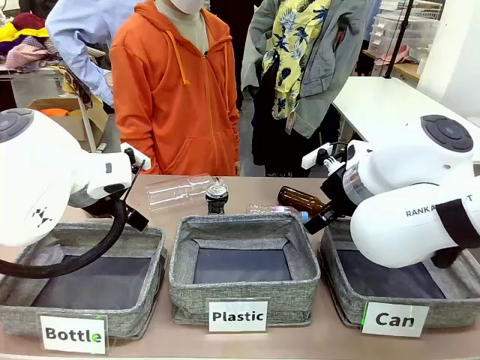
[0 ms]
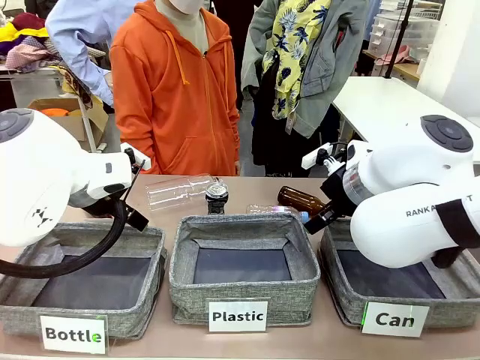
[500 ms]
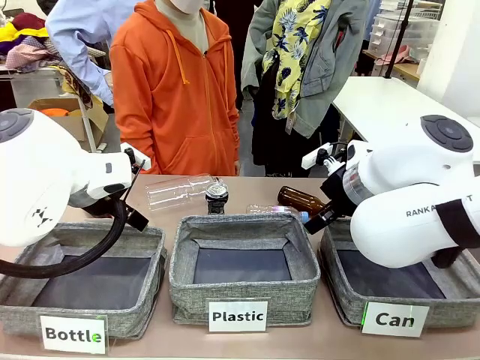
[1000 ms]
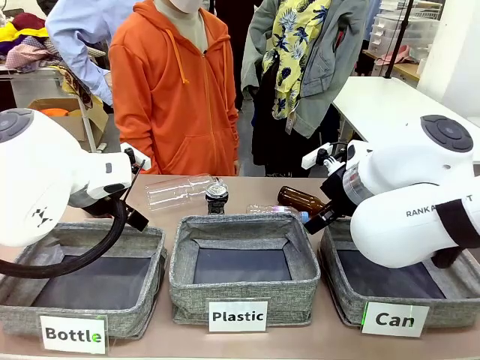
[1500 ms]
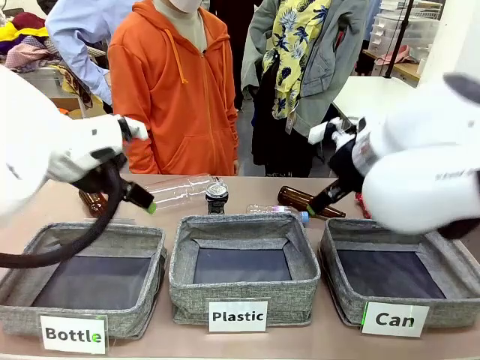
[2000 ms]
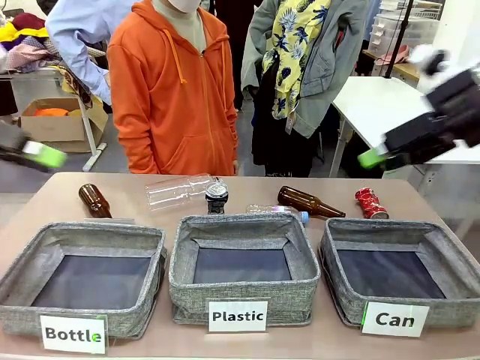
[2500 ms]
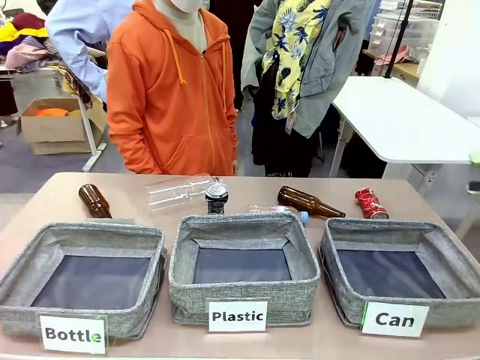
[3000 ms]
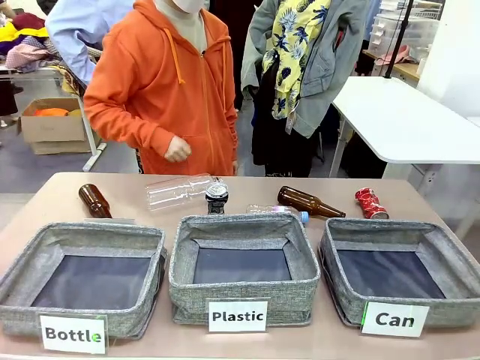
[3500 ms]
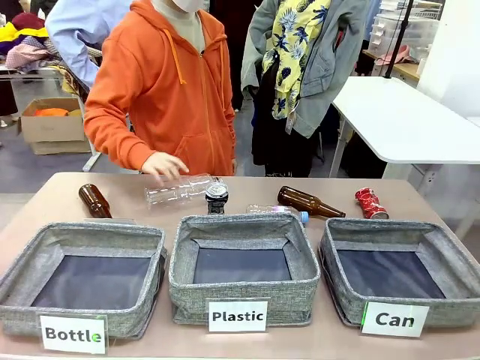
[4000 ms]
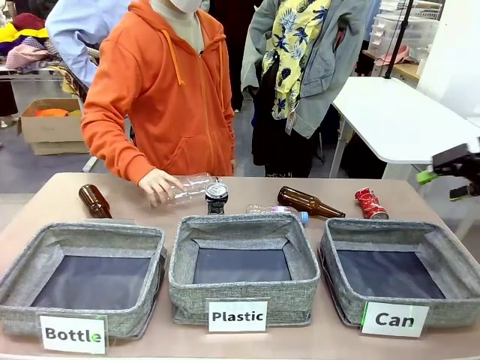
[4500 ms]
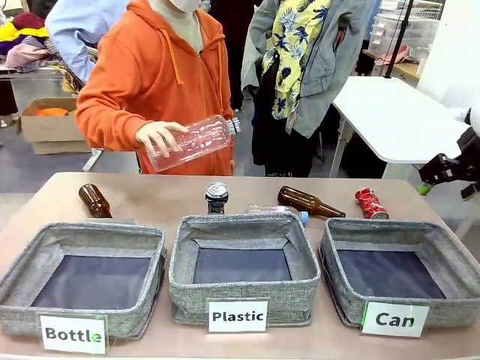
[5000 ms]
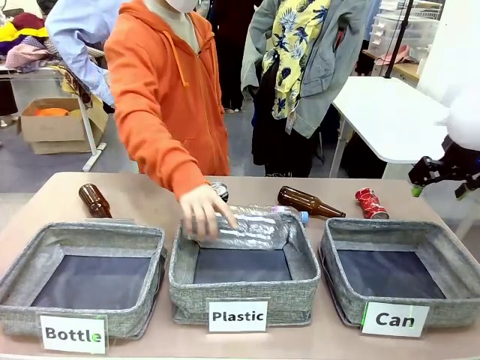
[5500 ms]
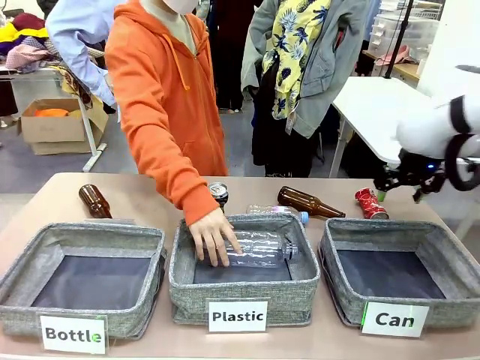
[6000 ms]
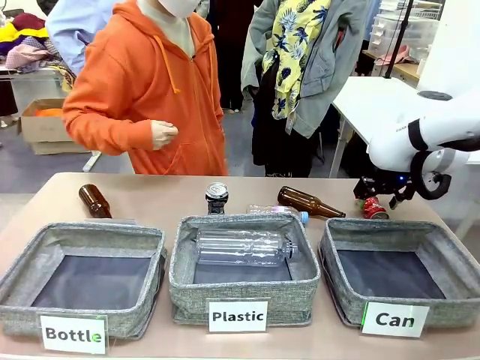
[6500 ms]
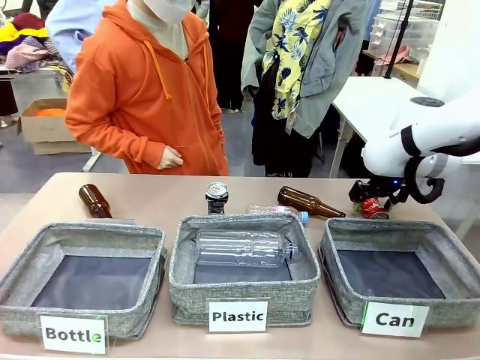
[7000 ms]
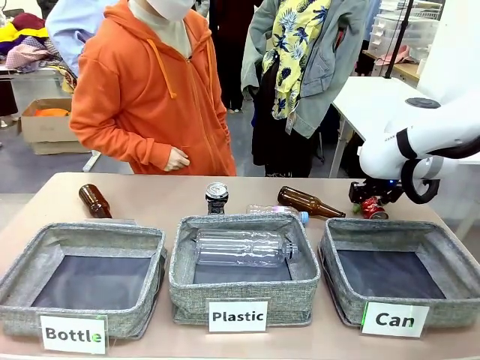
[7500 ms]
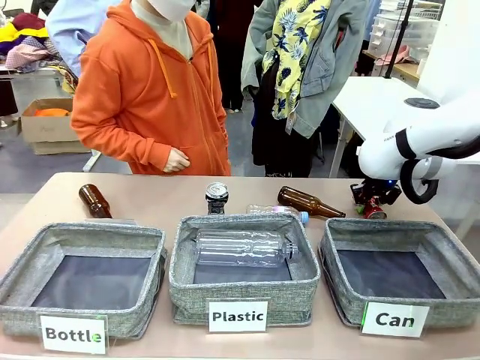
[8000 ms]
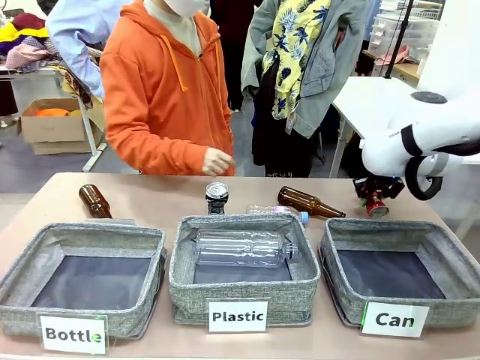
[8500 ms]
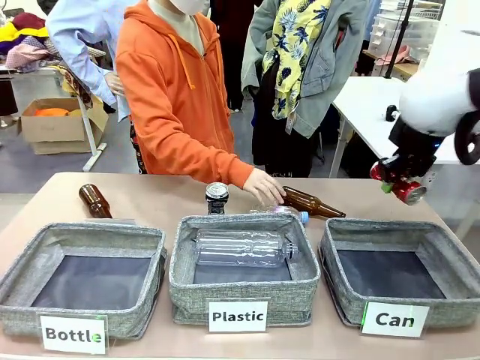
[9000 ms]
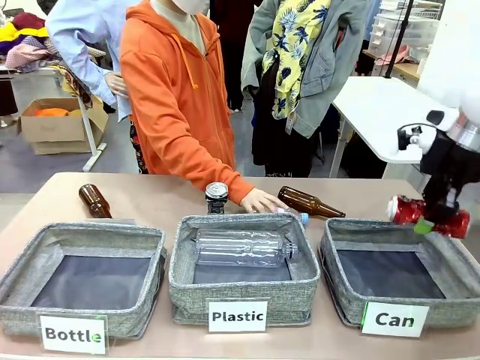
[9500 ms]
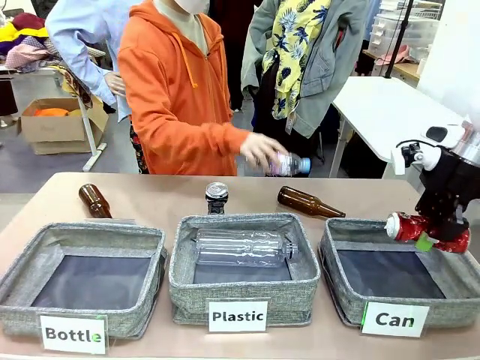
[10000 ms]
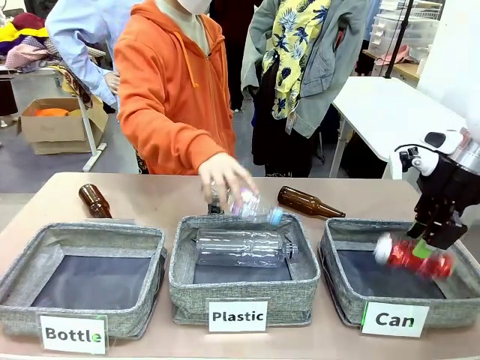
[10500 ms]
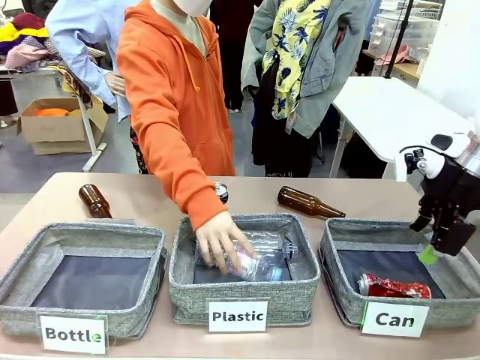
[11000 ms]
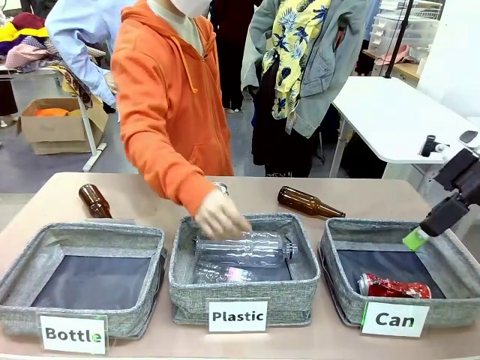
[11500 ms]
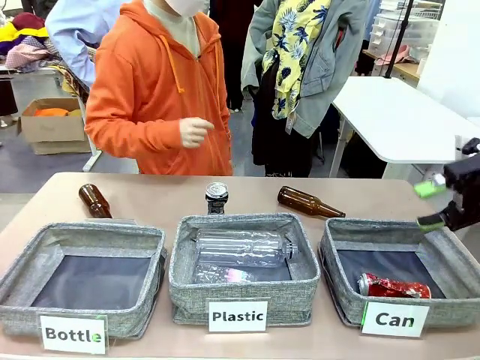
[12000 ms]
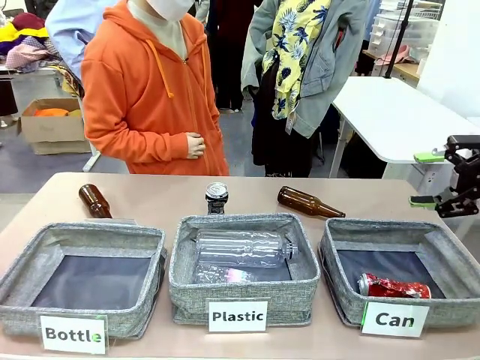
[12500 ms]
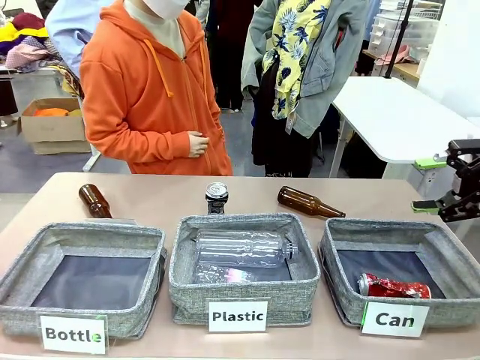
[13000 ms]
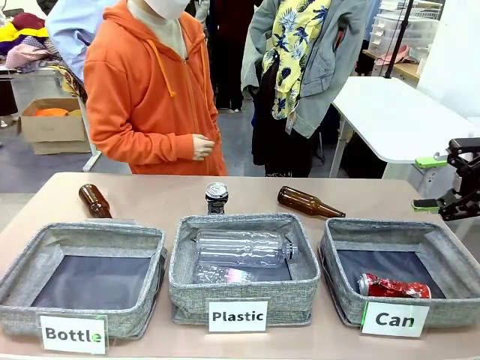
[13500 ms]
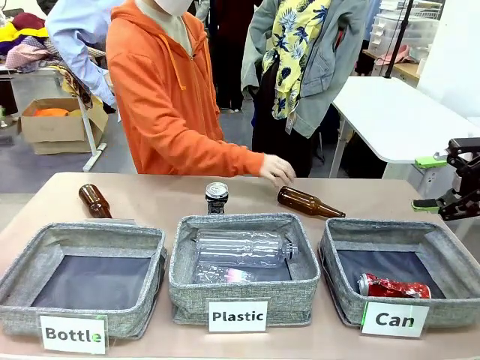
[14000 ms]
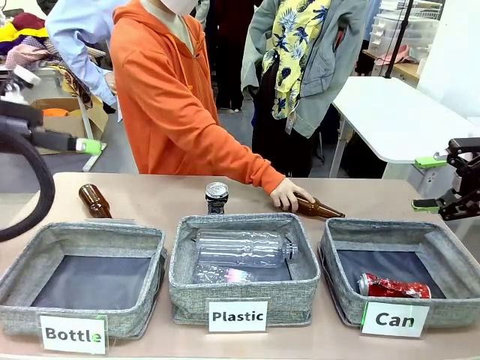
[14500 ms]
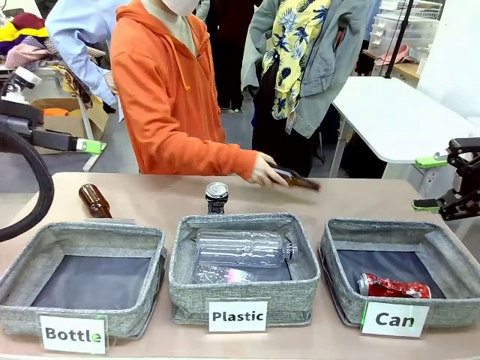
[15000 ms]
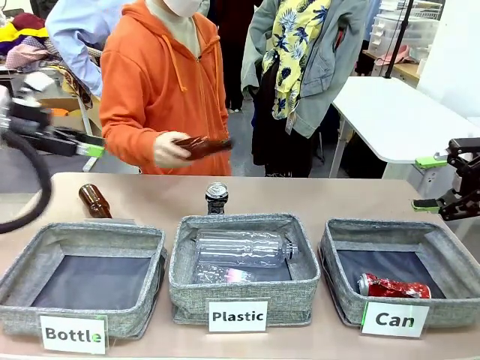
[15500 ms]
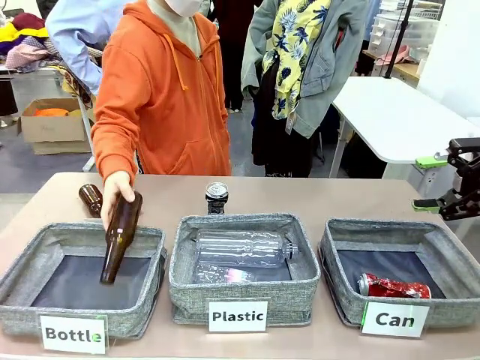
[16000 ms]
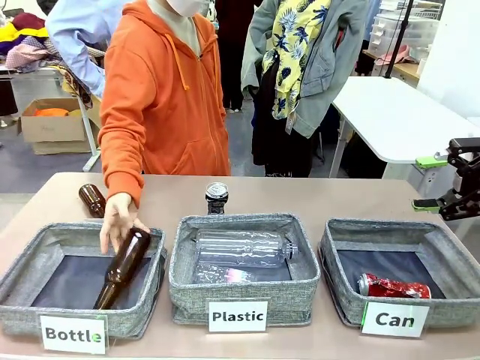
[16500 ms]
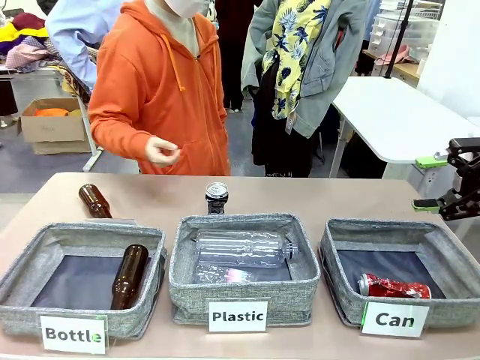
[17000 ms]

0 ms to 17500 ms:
Task: Sort the can waste into the basket.
Robot: Pick up the can waste from the table and place it in the right Fabric basket.
